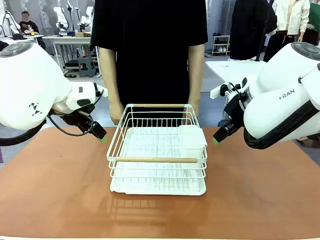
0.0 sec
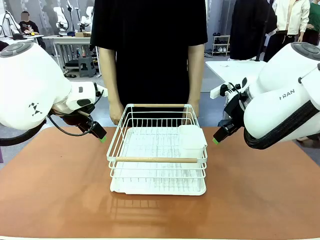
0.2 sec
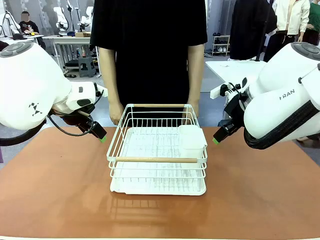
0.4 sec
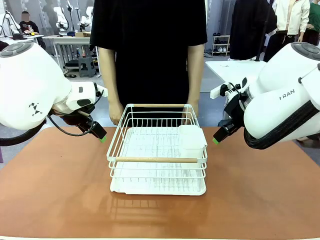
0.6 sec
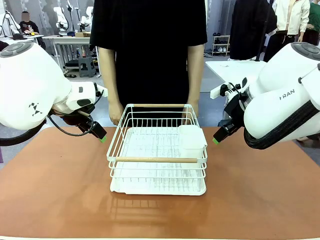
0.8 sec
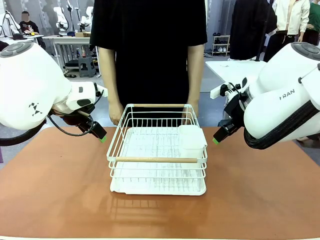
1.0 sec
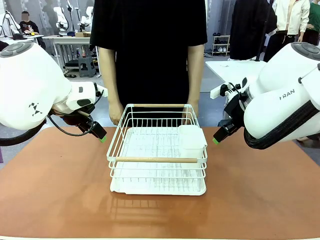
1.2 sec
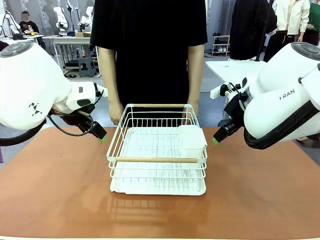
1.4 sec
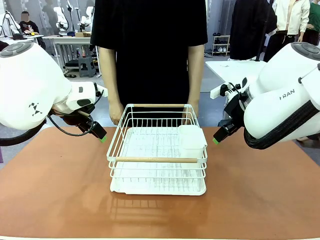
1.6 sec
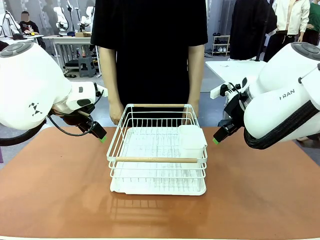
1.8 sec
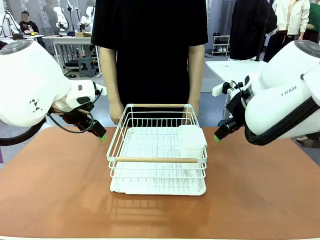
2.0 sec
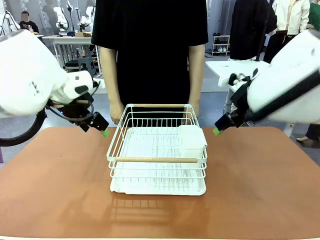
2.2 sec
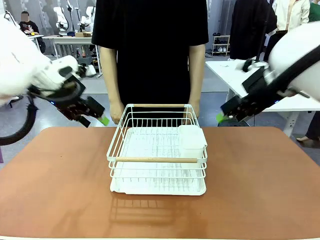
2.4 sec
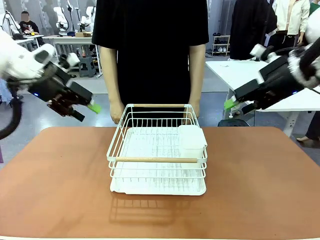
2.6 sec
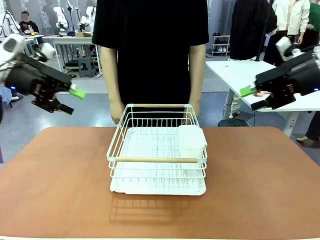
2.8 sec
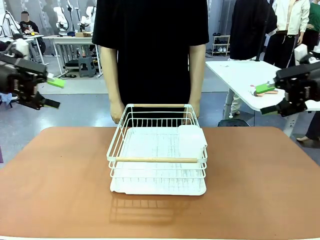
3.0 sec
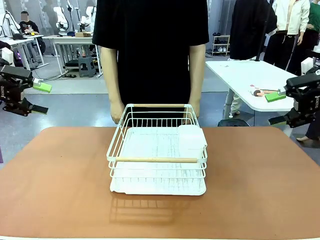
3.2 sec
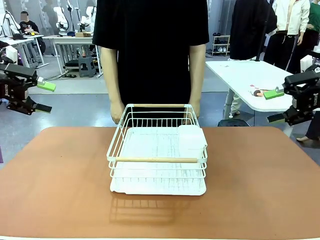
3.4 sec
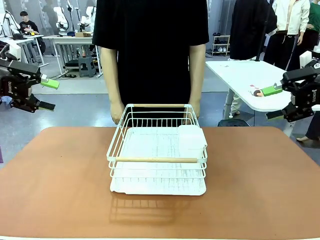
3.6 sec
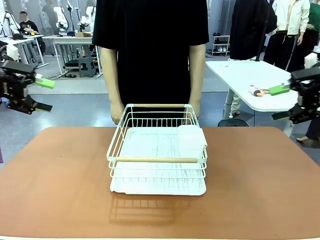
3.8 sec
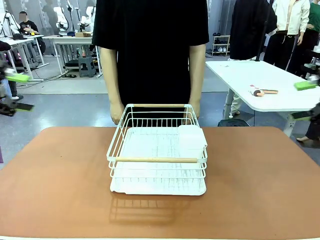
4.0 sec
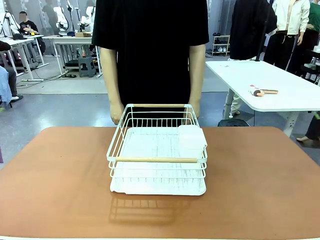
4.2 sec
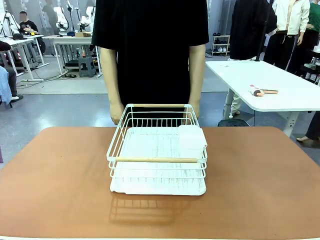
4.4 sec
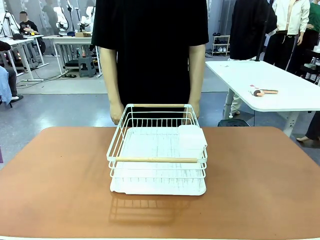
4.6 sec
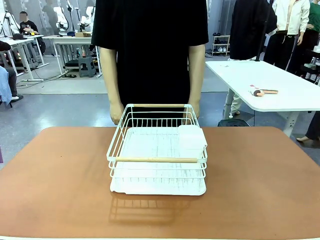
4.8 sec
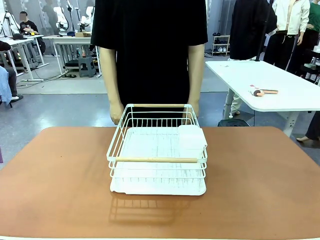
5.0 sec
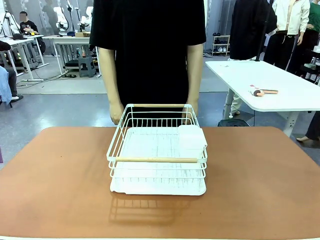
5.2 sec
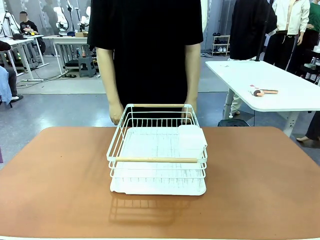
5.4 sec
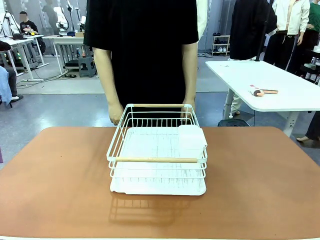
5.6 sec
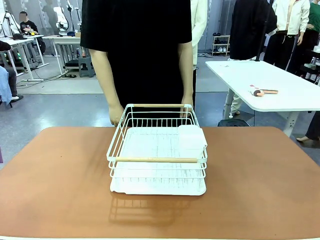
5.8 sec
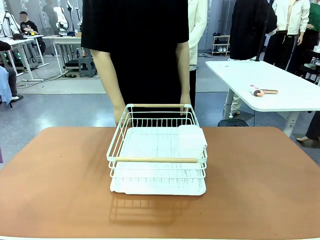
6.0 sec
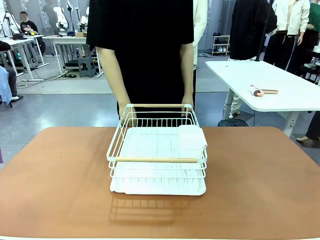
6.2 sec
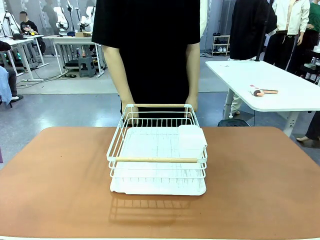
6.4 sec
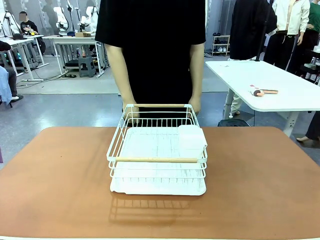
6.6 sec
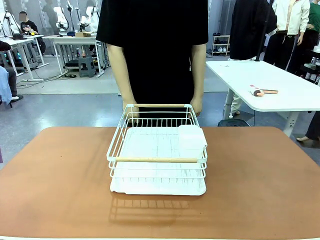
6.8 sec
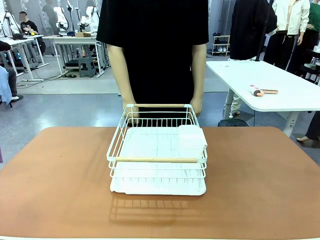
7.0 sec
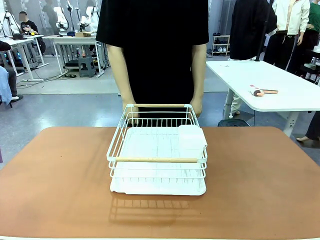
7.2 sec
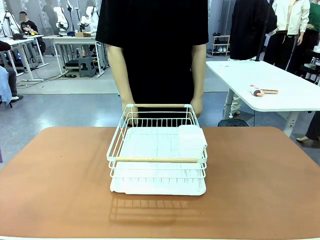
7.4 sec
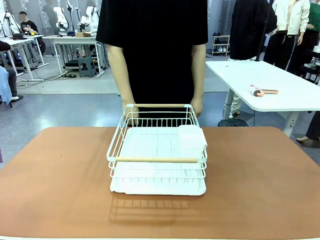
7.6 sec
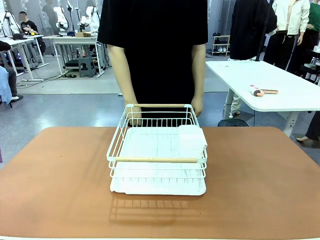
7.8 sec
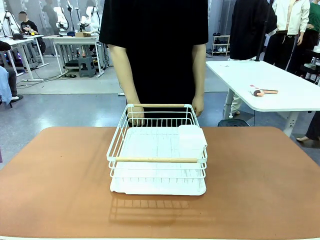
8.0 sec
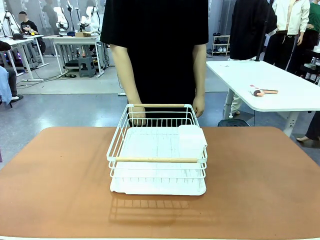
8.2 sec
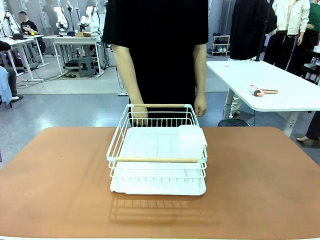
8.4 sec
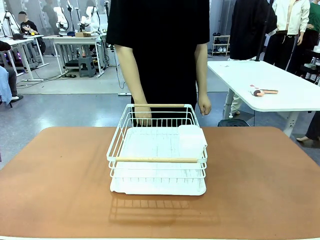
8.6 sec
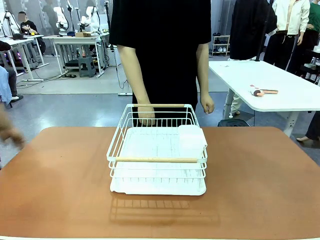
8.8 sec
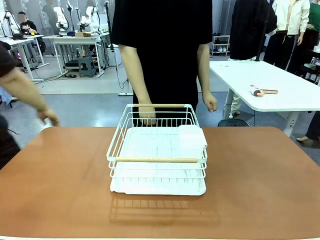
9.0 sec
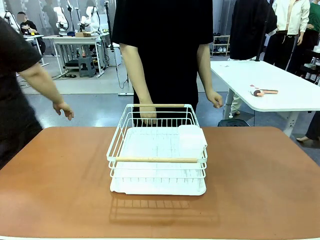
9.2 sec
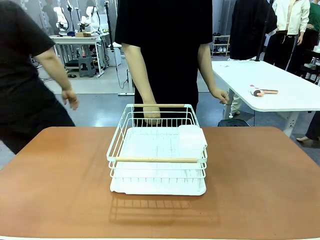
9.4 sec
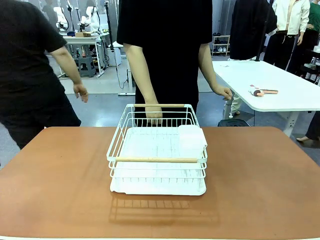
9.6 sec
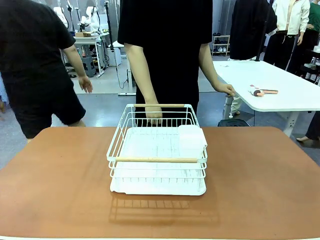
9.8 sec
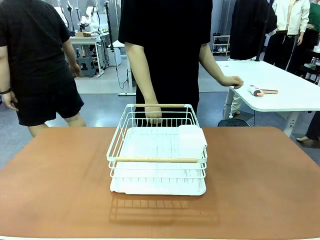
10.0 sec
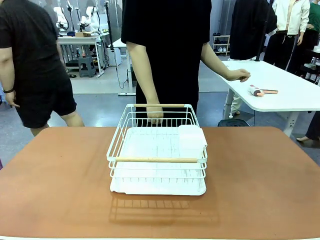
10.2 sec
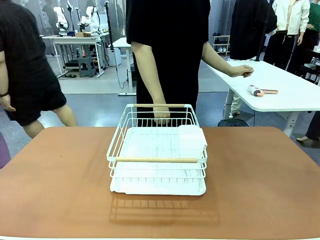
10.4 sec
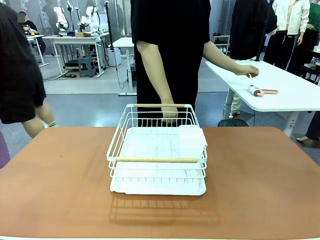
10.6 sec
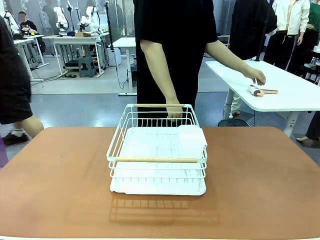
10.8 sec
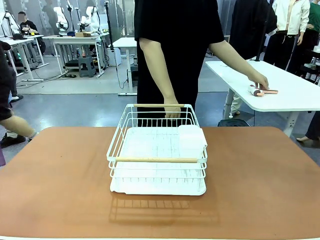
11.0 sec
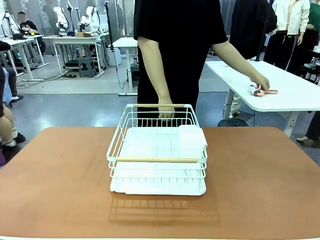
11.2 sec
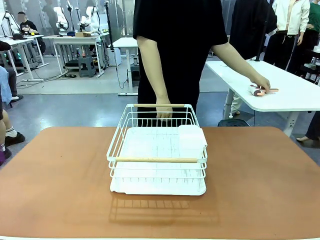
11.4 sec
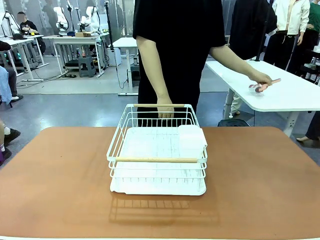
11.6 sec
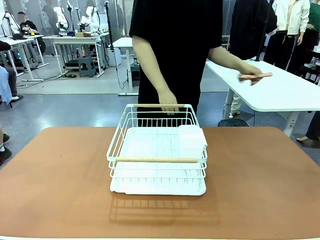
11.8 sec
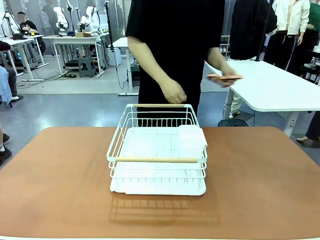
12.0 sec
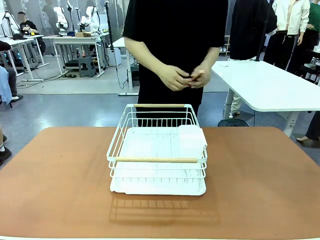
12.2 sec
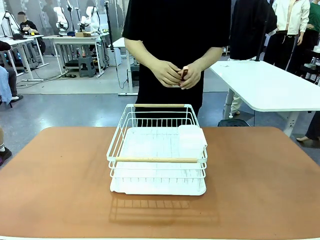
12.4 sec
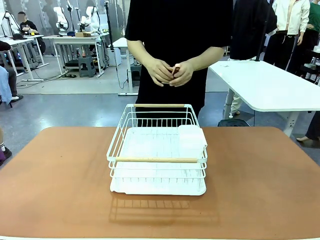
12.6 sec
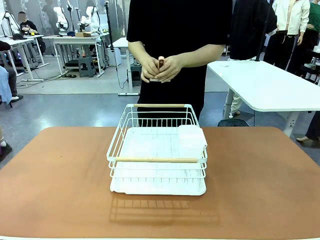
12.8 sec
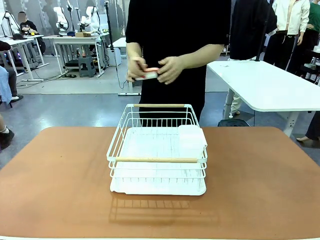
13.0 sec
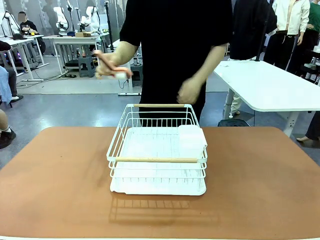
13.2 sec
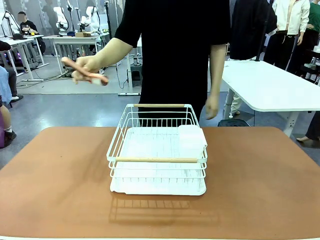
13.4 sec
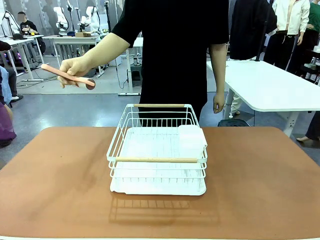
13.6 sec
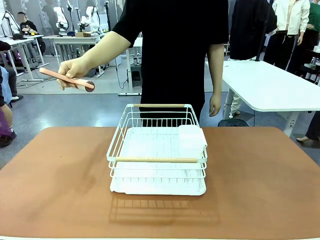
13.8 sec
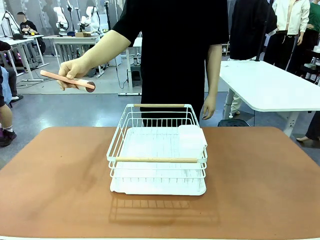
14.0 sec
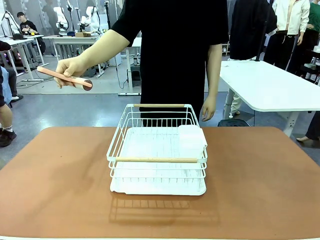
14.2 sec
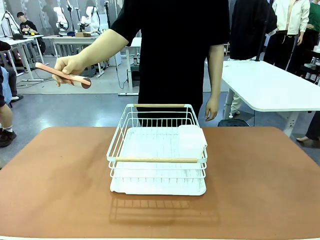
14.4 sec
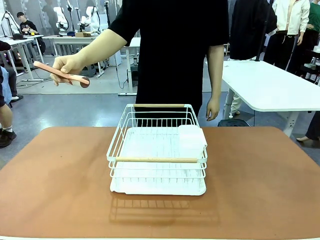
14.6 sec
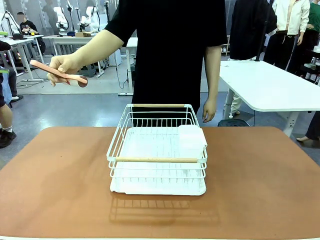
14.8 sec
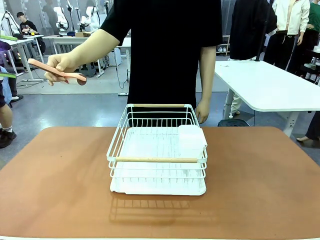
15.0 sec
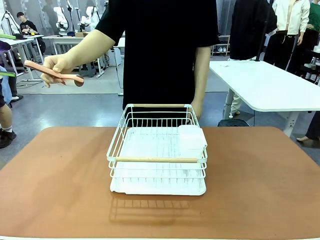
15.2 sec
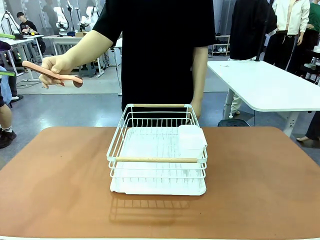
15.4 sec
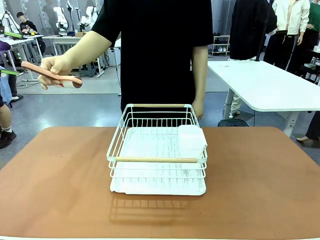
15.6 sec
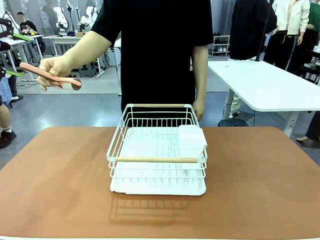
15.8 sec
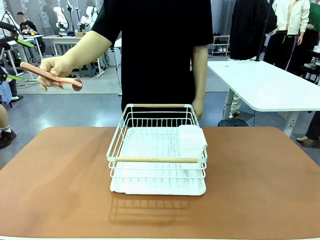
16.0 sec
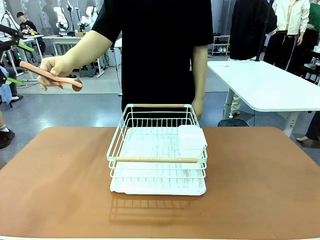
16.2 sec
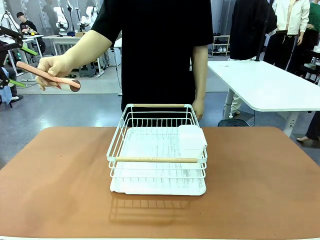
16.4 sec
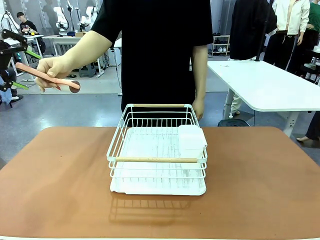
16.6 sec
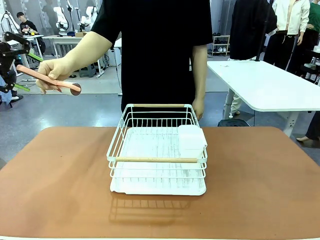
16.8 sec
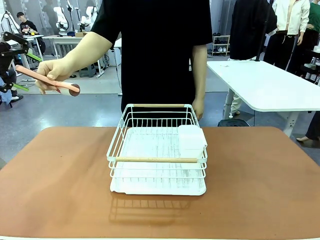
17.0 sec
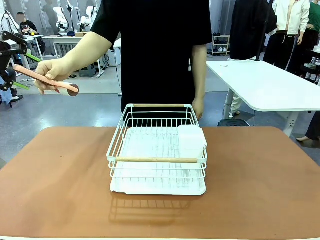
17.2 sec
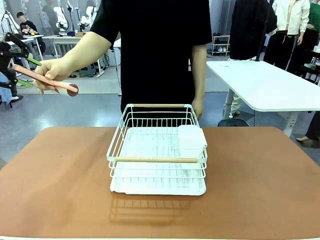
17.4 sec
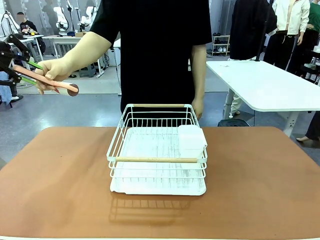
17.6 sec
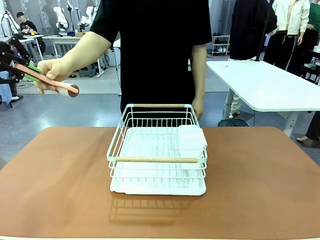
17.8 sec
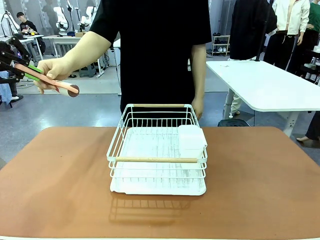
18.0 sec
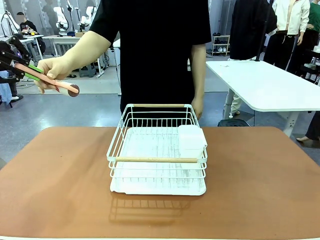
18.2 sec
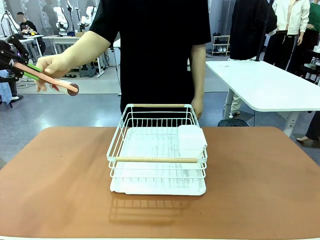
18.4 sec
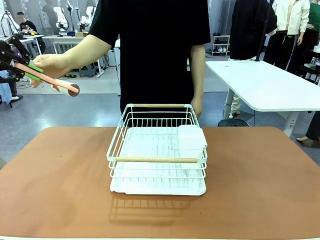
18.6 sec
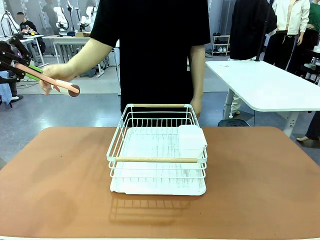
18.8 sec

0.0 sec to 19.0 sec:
Task: Clean the table.
Robot: Pick up the Lint Roller when the human hands it over.
Person: Hand the Lint Roller to the robot so it can easily pick it up. Lift the Dish drying rack.
